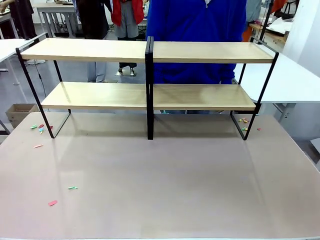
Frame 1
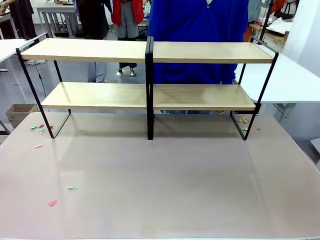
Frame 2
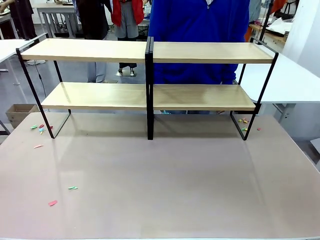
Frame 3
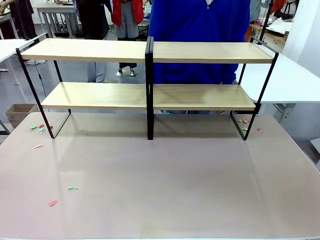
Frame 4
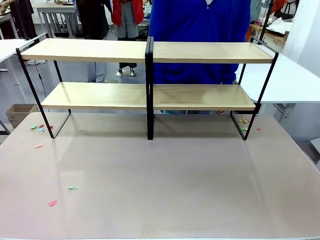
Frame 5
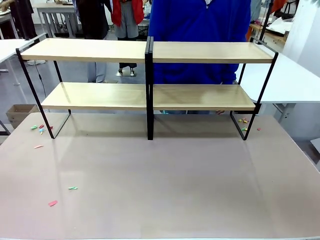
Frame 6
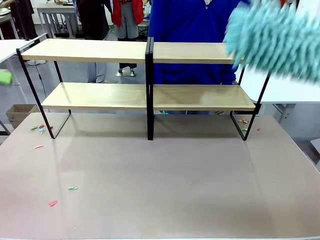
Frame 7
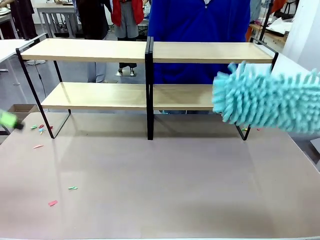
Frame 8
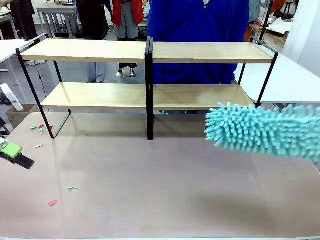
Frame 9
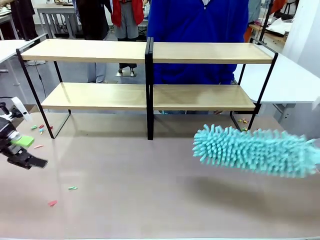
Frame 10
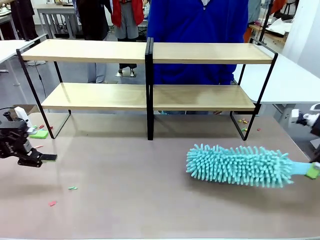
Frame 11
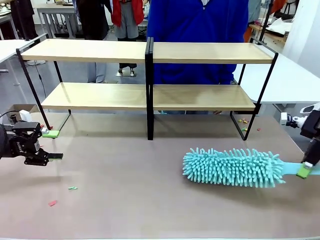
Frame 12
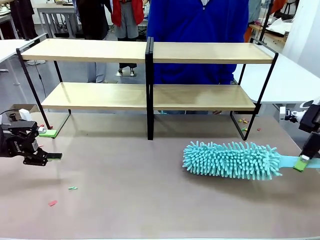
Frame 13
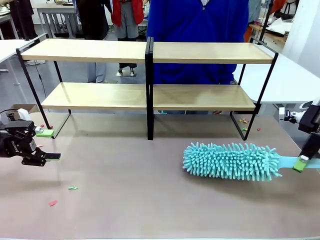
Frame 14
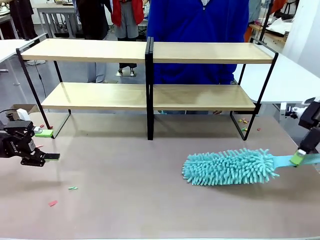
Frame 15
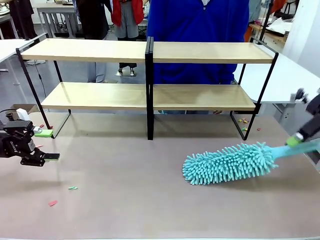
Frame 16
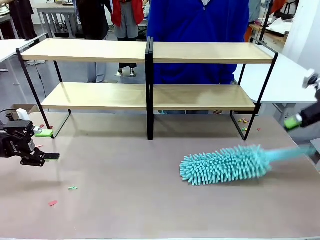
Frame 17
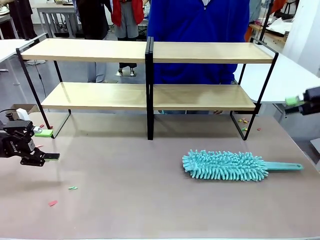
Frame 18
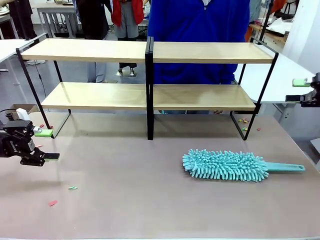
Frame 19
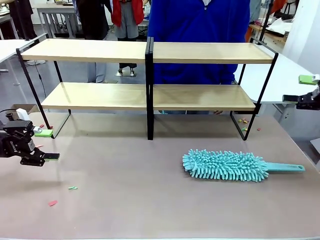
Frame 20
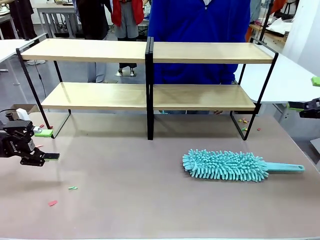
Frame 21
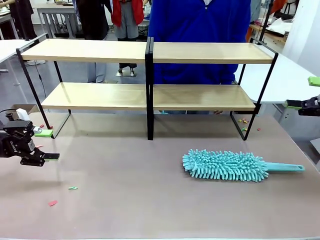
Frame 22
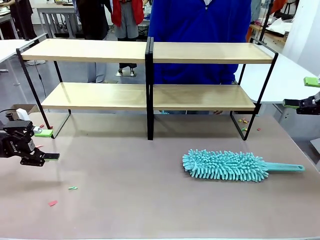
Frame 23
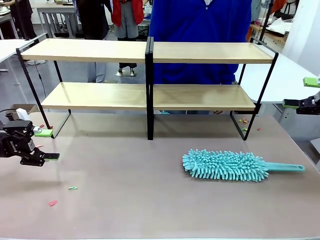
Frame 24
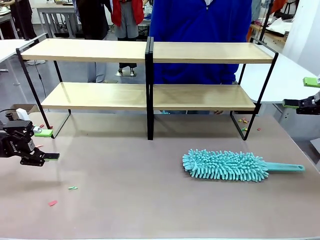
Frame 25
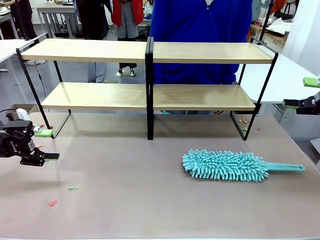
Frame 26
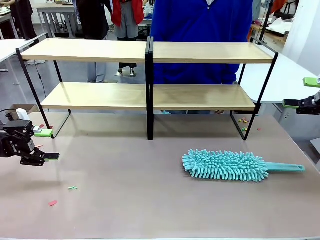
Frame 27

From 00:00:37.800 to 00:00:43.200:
Task: Clean the shelves.
Robot: Place the Duster on the table.

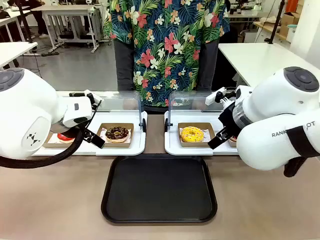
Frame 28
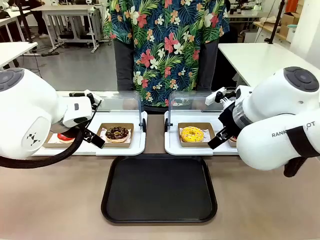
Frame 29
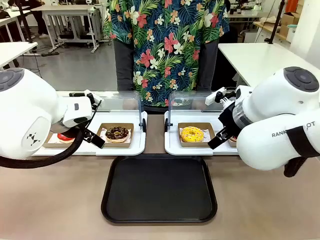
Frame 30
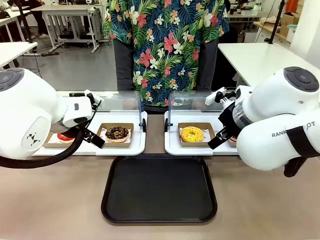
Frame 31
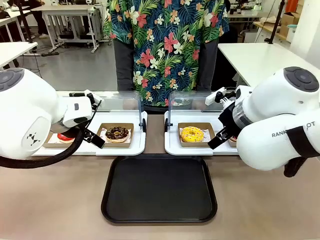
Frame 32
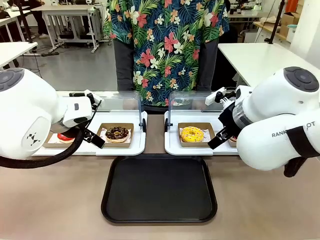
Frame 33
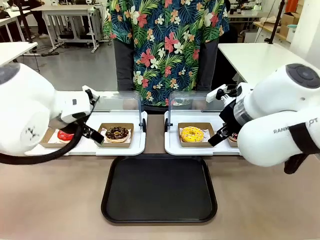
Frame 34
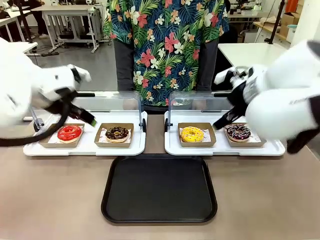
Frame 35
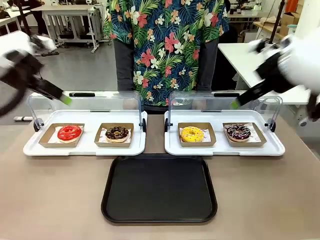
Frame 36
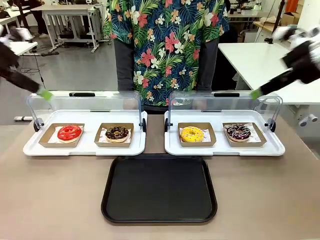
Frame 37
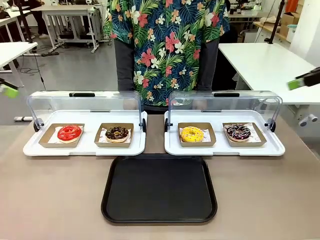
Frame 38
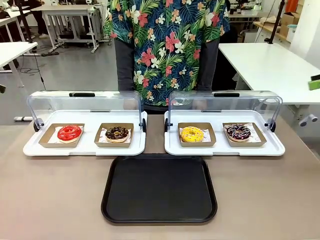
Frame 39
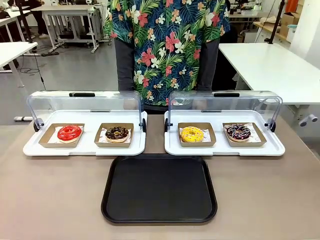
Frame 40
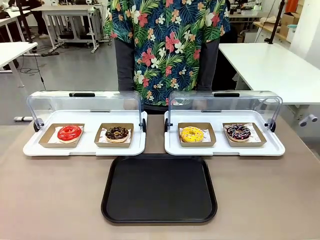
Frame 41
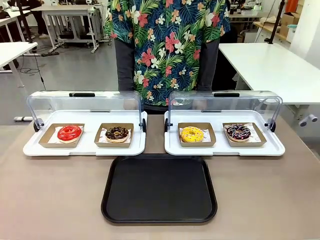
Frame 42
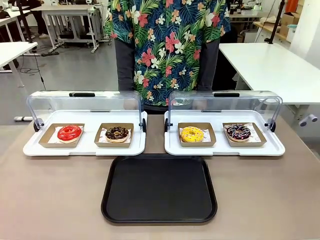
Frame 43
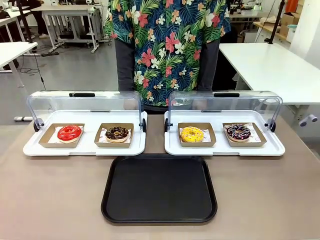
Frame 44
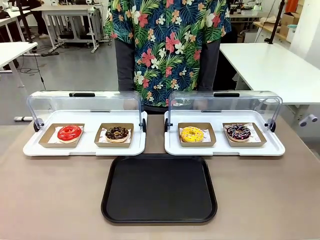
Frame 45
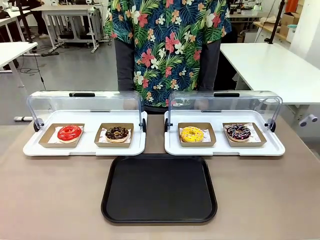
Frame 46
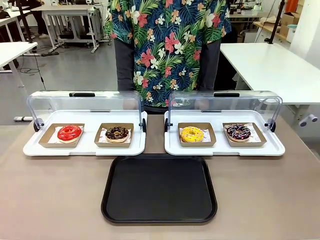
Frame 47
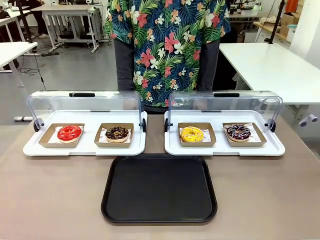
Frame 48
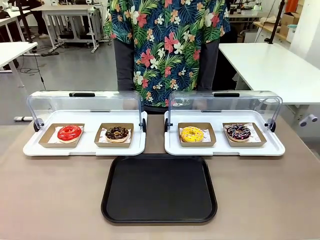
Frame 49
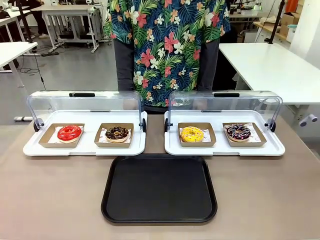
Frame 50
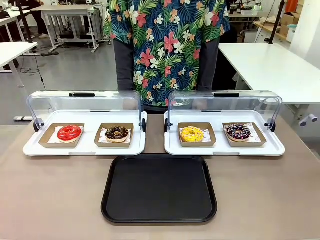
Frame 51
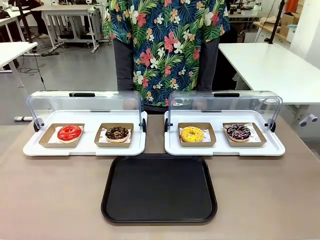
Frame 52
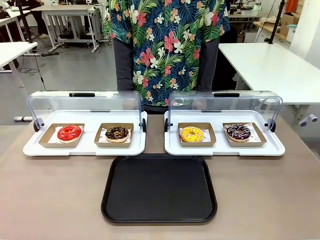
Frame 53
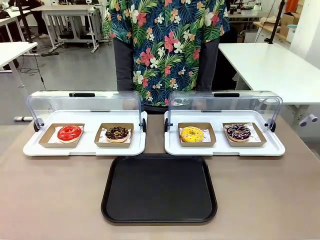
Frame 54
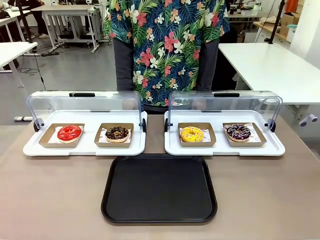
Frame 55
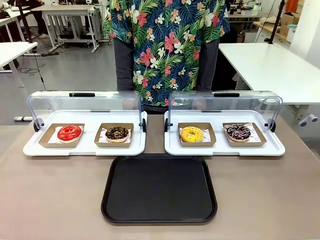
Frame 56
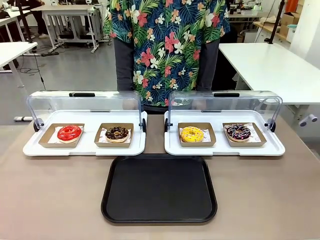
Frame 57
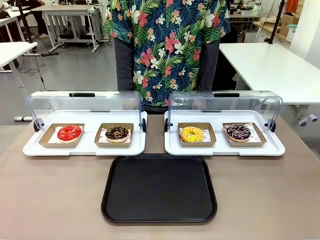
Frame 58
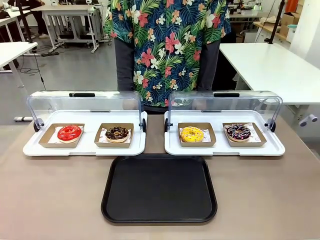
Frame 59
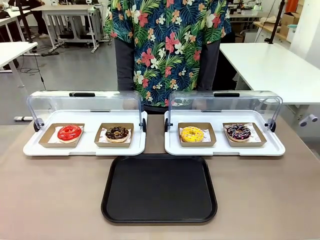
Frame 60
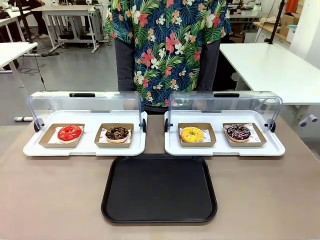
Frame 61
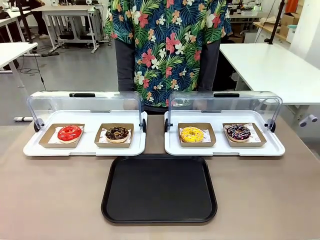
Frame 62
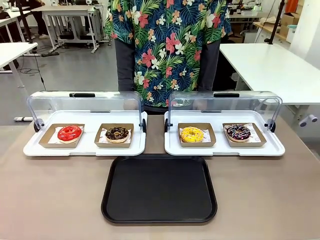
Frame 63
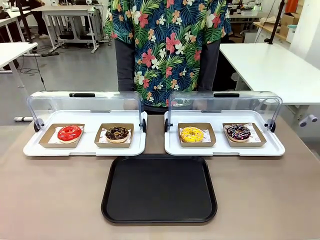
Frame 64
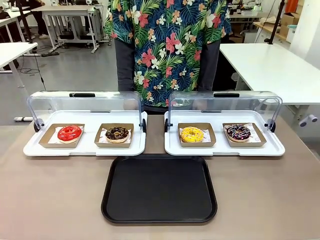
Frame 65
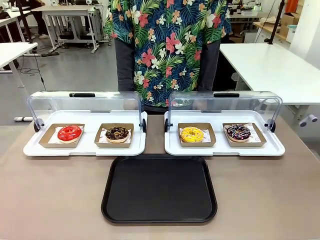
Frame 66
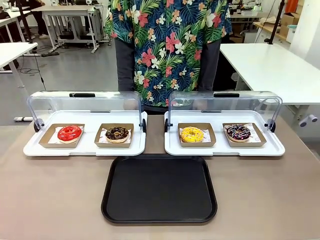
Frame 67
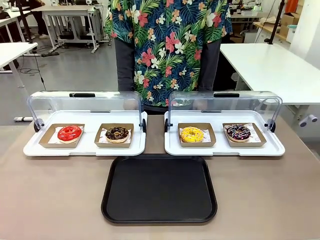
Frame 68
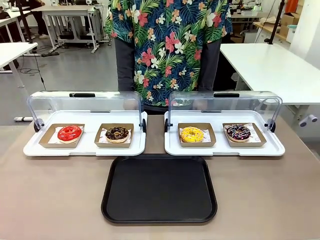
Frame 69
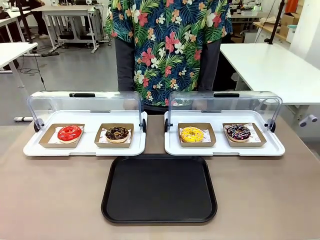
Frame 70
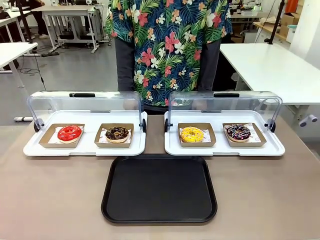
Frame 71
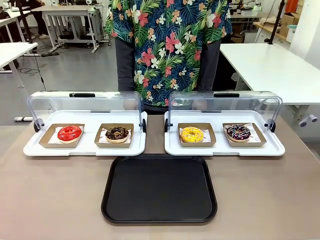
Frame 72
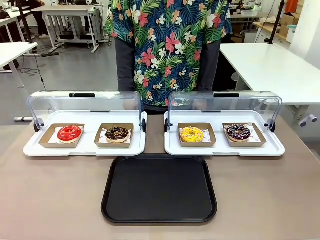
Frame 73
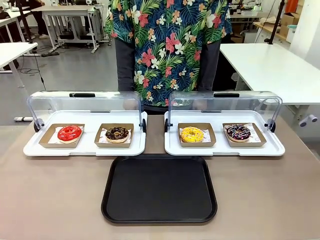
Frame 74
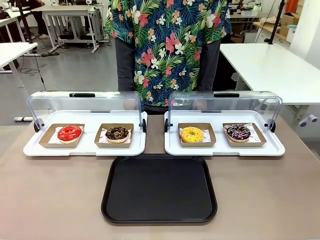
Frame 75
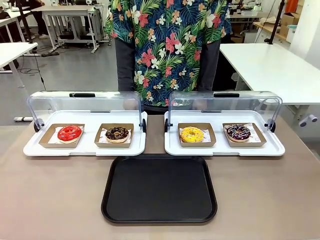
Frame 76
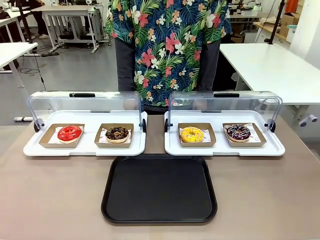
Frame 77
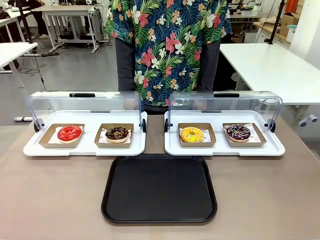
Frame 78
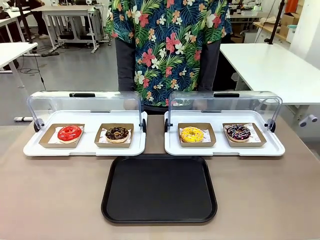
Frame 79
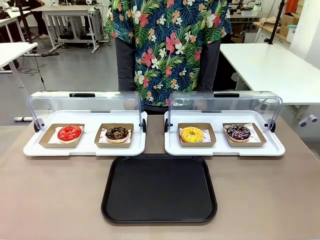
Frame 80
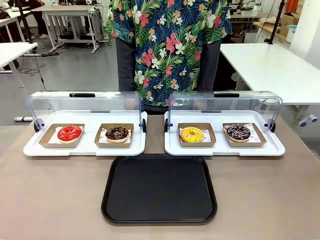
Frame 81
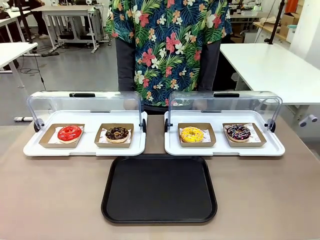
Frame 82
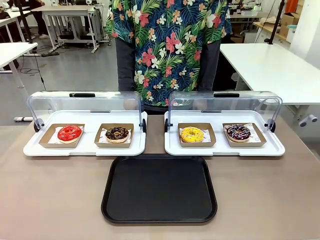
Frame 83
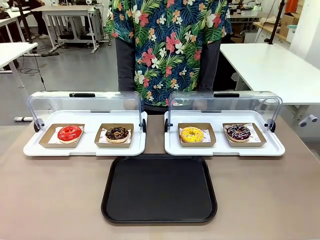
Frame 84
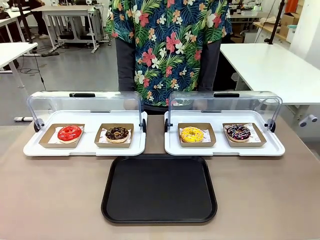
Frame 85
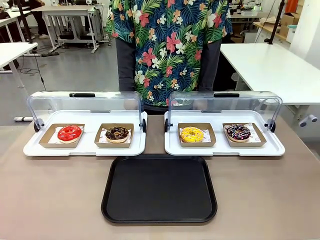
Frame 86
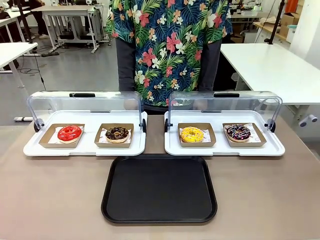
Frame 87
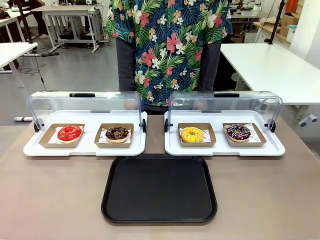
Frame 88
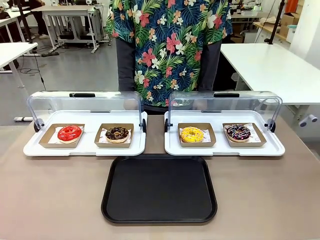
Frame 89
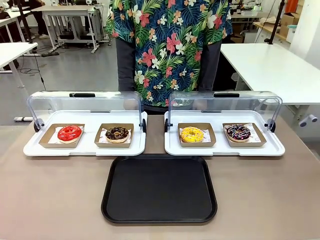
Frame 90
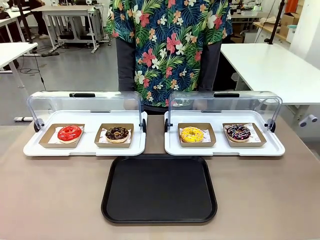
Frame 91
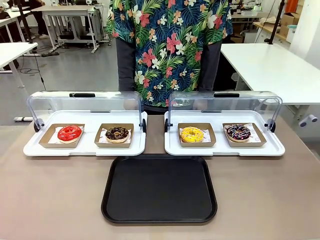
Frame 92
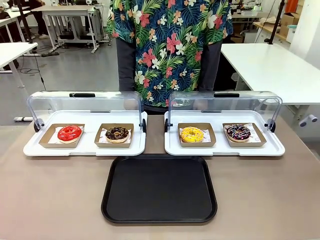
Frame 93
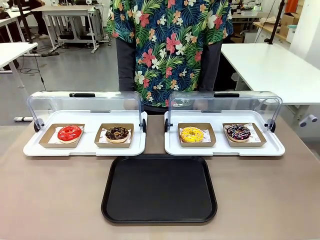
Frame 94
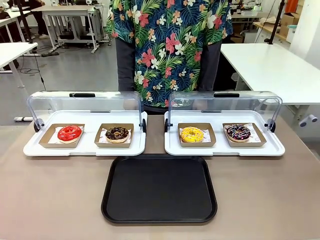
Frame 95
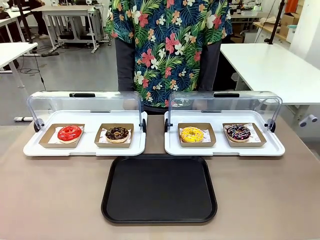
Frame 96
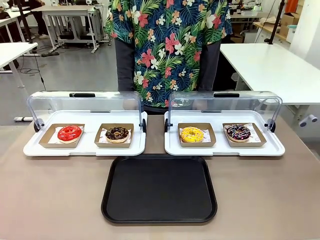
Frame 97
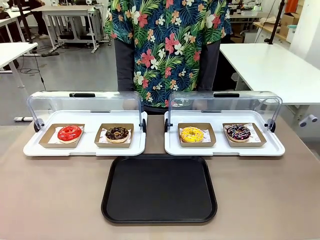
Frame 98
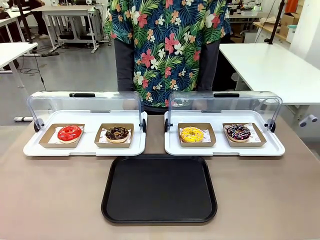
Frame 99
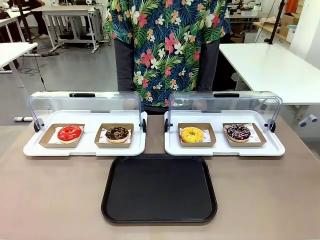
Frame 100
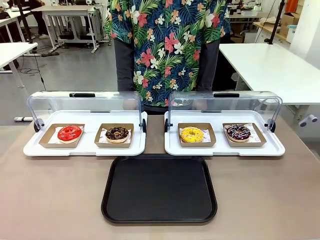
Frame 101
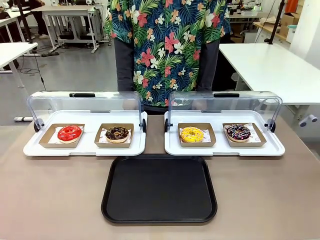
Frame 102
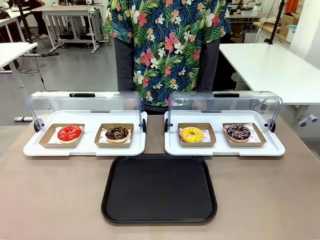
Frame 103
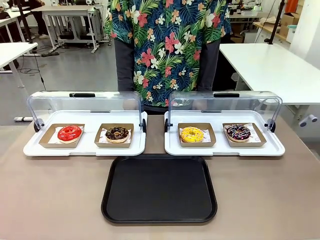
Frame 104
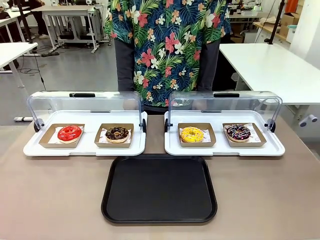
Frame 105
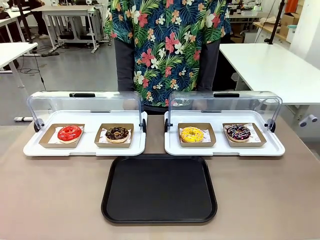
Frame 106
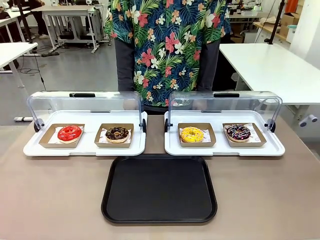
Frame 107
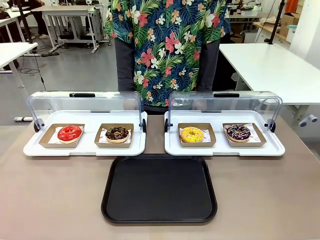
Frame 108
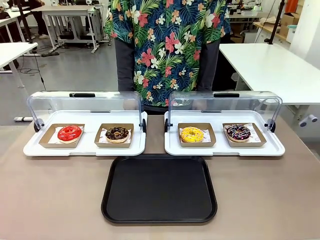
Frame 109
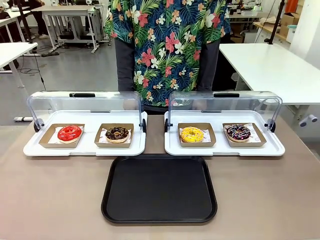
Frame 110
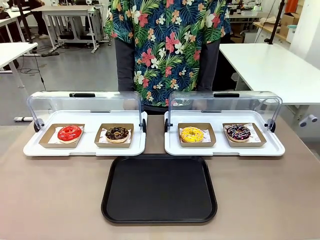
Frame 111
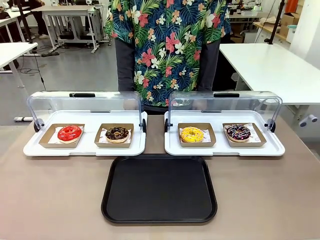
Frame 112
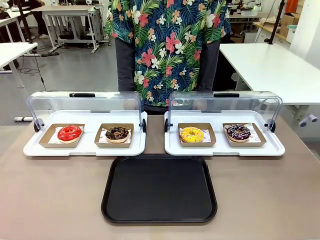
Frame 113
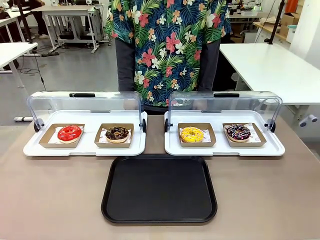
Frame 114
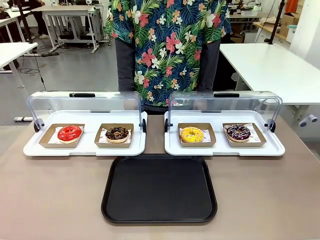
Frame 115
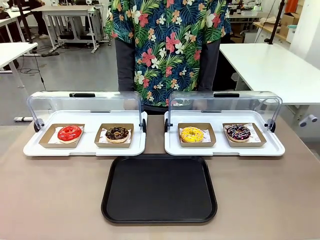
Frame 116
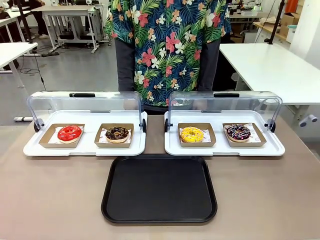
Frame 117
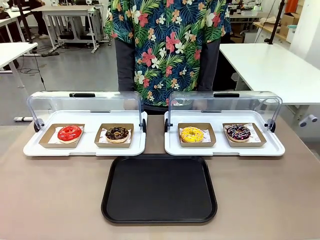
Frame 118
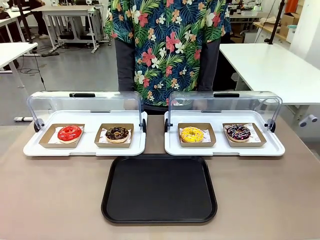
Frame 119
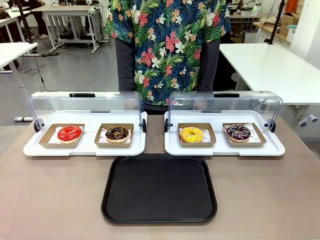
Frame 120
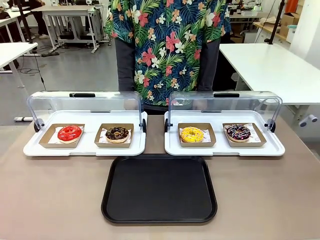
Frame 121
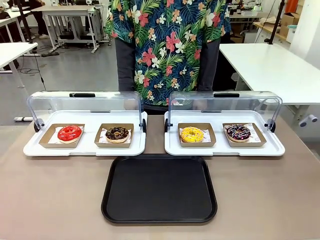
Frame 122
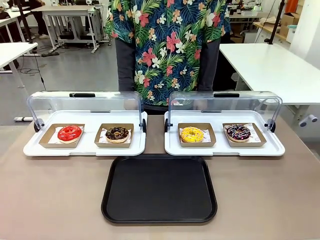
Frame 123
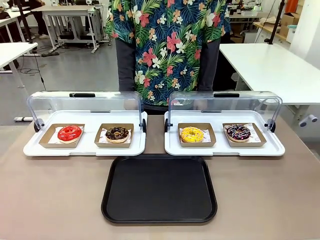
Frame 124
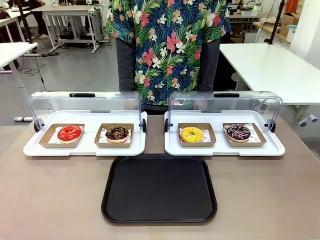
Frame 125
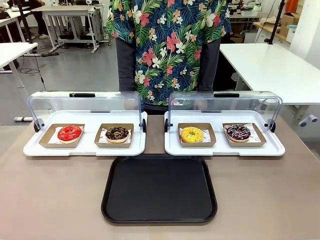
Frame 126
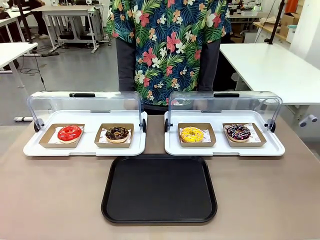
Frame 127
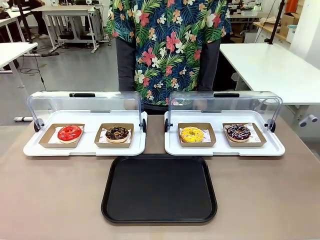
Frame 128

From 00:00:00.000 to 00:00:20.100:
Task: Move the fourth donut from the left to the tray.
Robot: Pick up the Paper togo box containing the Donut indicated by the person and place it on the Handle tray.
